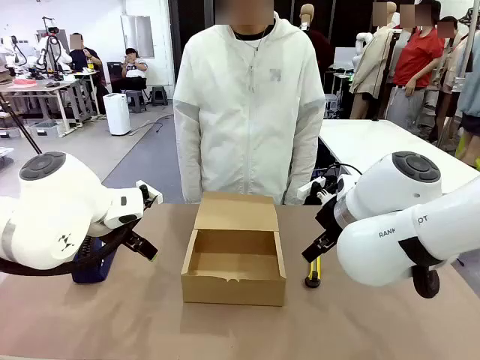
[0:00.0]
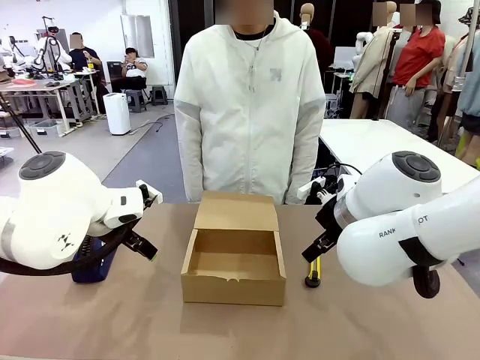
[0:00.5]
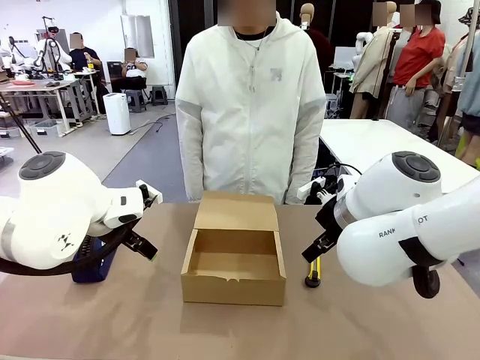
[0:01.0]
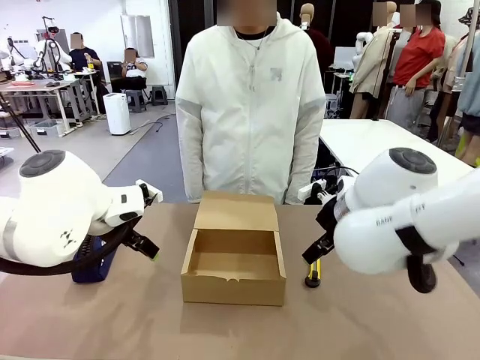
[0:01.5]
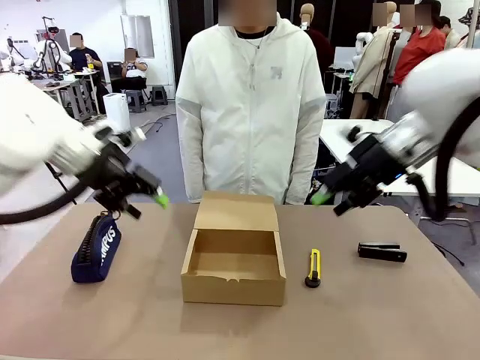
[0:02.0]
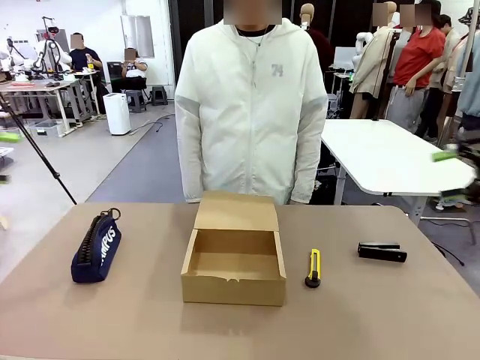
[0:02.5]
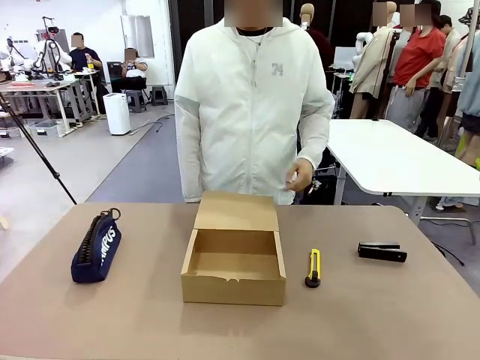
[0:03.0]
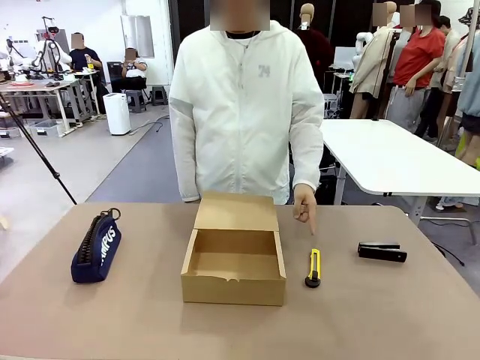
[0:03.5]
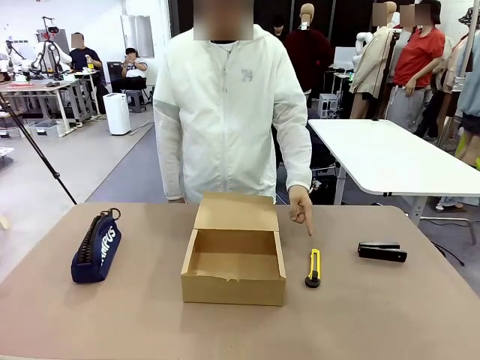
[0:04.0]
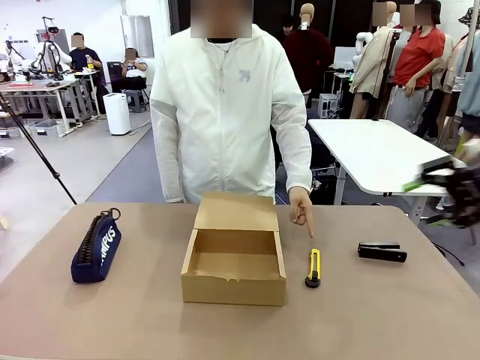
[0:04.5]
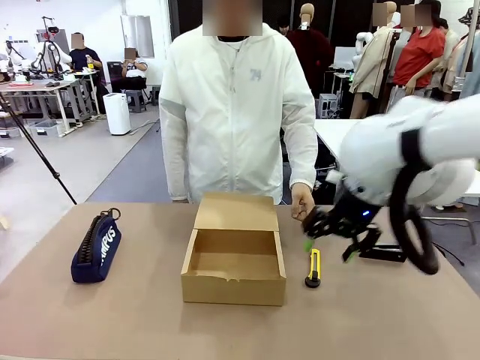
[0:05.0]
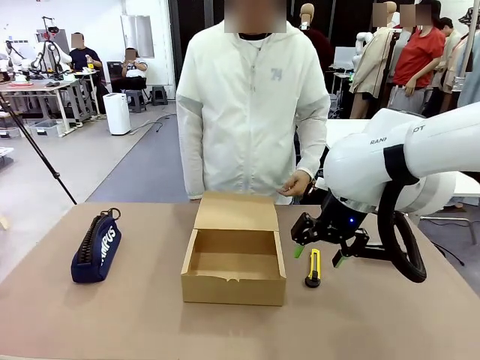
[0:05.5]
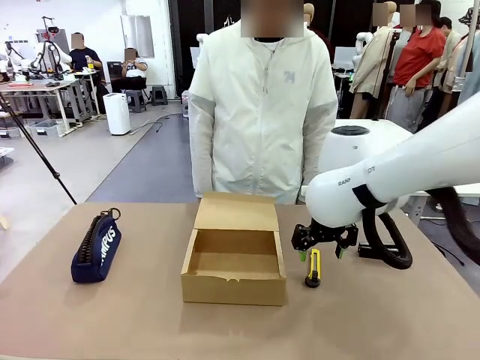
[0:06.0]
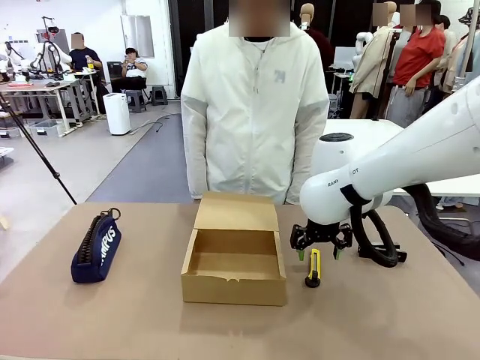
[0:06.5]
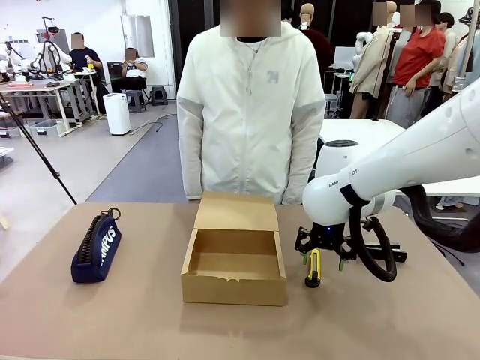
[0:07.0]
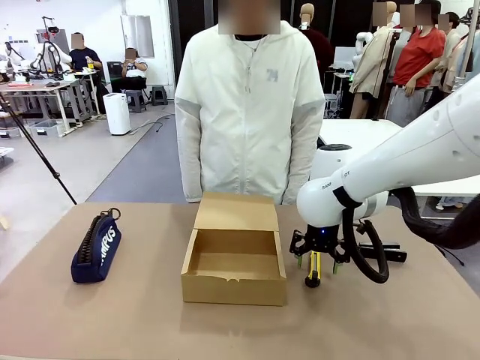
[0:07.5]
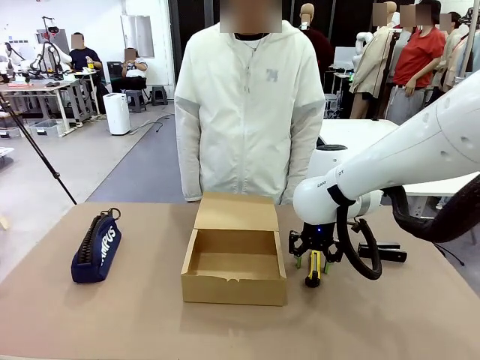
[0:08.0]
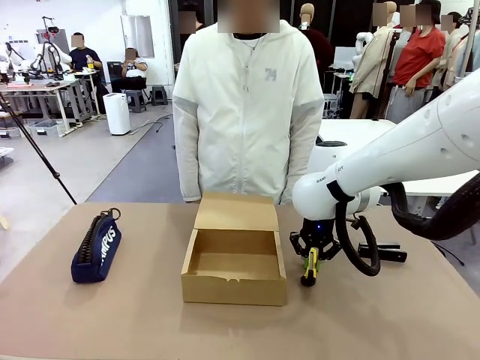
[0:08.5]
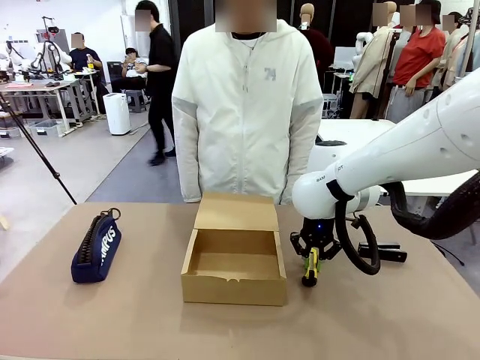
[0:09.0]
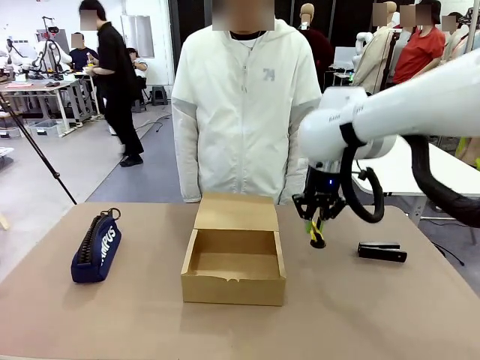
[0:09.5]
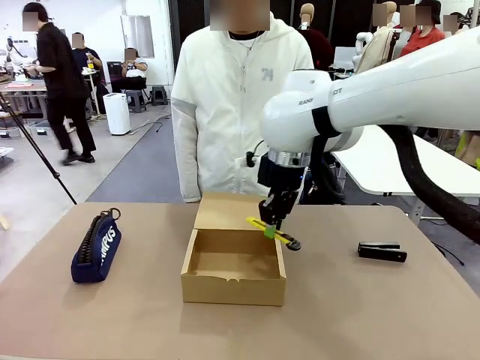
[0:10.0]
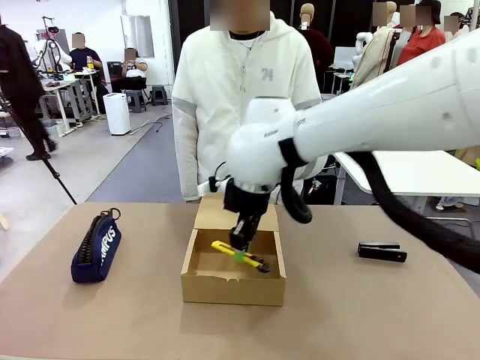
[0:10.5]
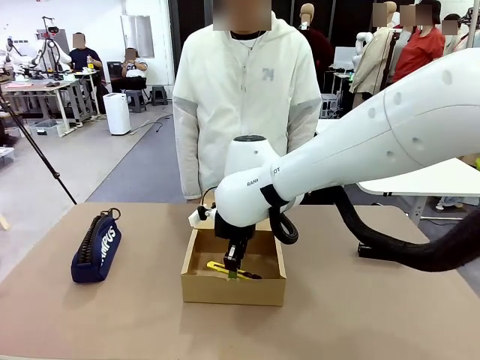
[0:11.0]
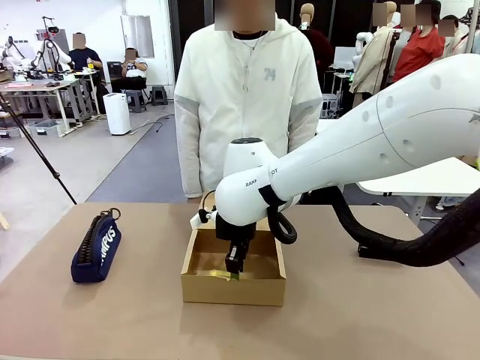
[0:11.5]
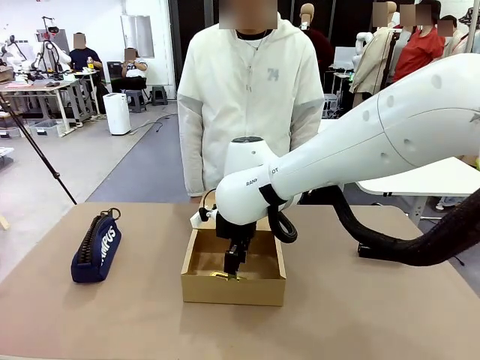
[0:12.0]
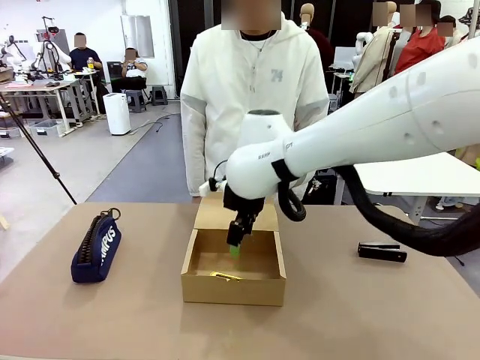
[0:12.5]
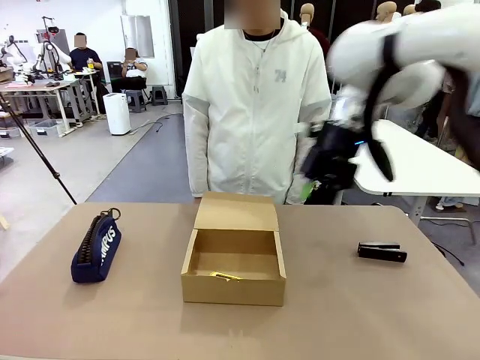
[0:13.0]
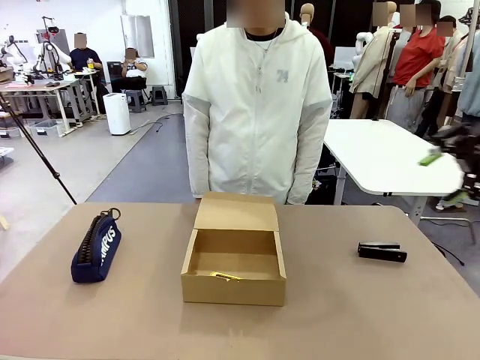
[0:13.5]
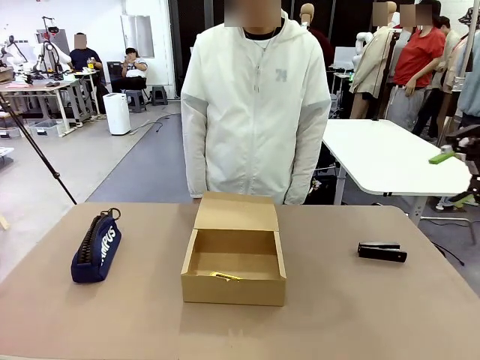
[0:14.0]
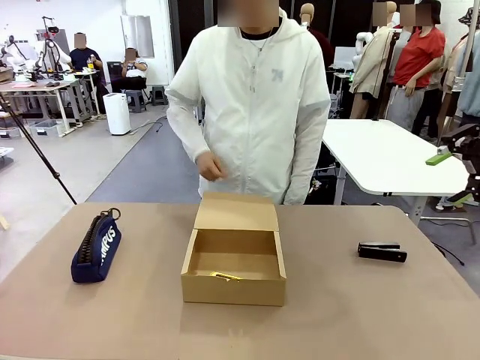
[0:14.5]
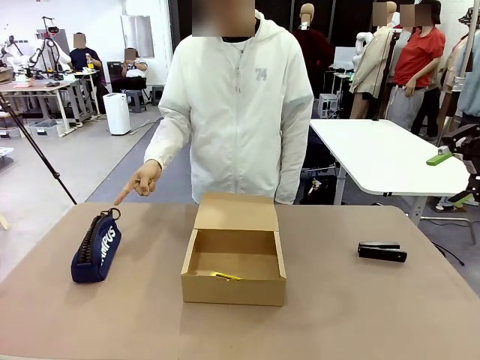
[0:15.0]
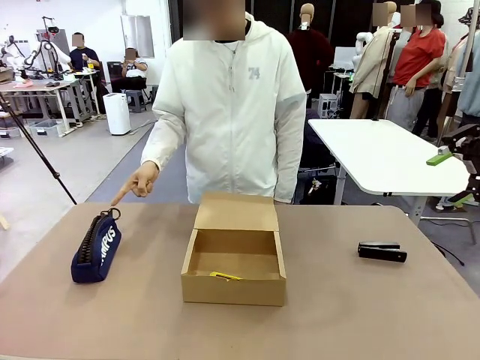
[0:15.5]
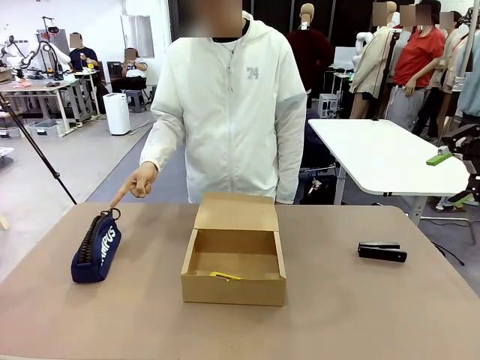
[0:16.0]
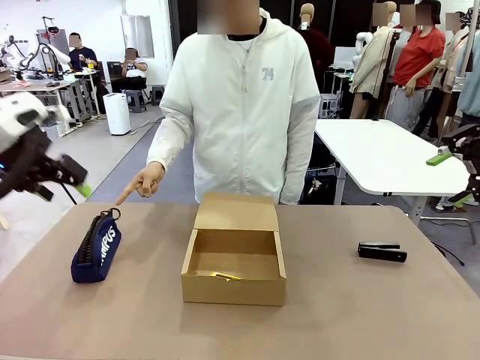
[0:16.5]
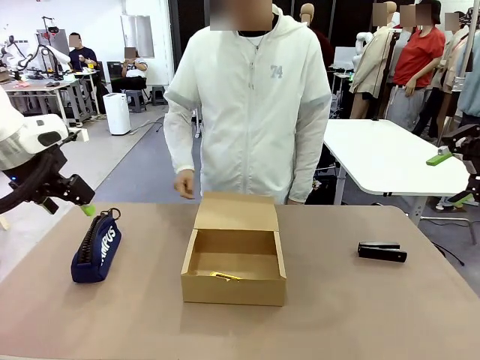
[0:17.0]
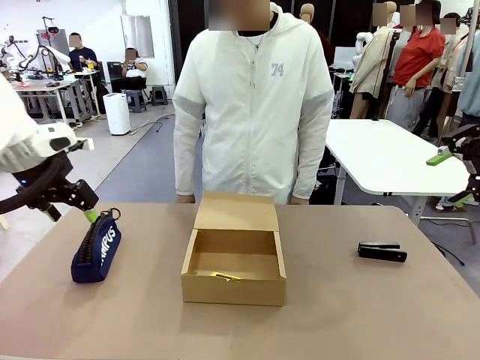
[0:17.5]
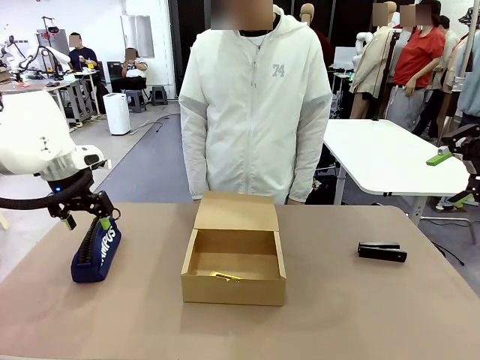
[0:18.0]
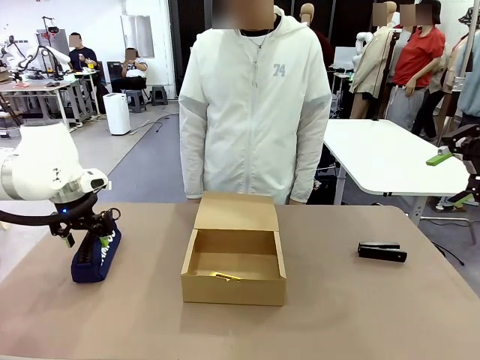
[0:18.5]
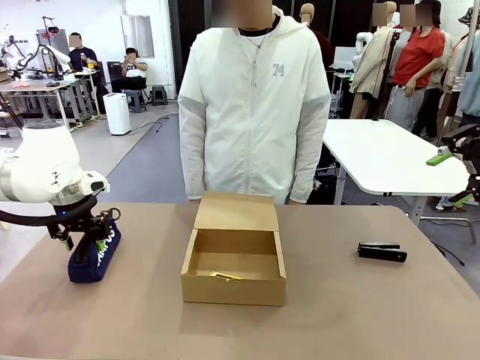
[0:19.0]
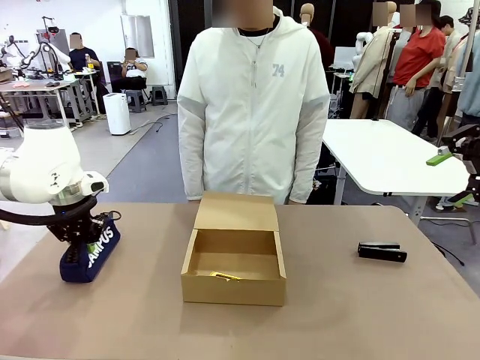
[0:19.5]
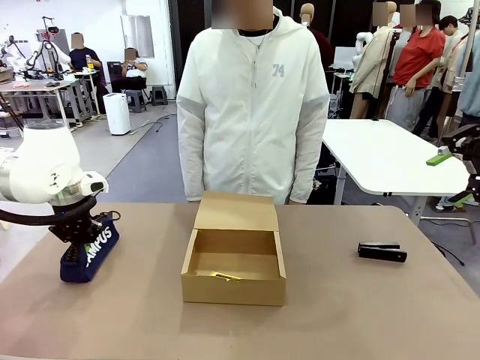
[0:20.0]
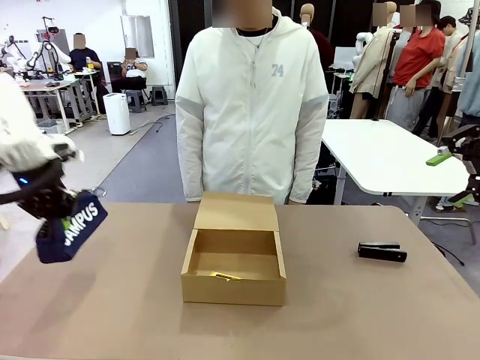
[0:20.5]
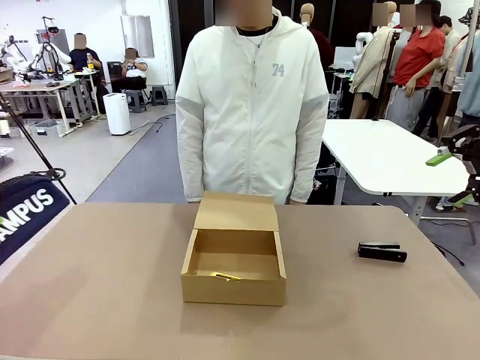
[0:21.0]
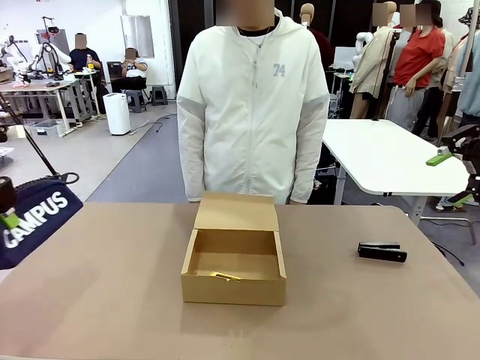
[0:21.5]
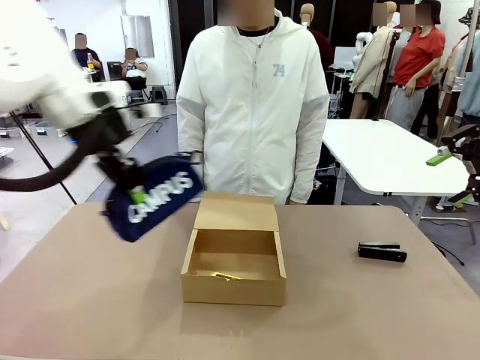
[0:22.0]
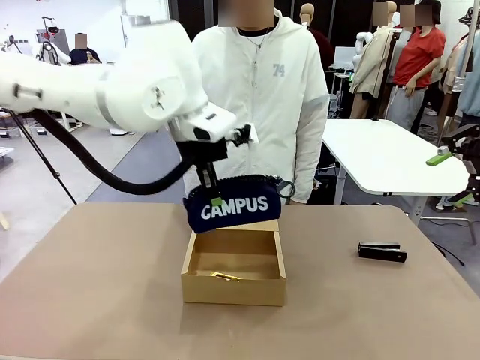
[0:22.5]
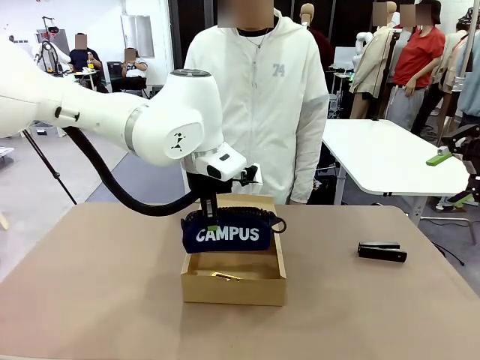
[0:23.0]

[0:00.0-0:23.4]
Task: Pack the items into the box.
Robot: Pick up the item indicated by the person and place it inside the Mailer Box.
Person: Point at one item on the table (excluding the box).
